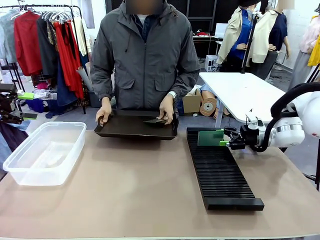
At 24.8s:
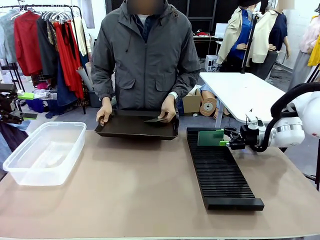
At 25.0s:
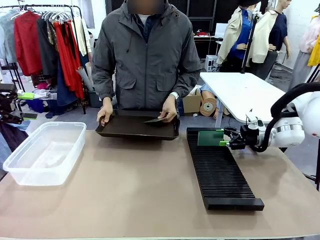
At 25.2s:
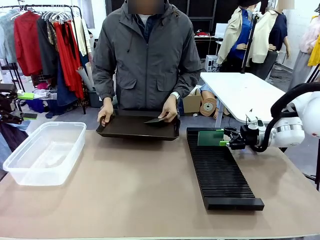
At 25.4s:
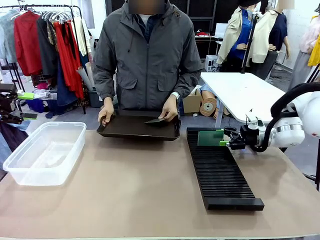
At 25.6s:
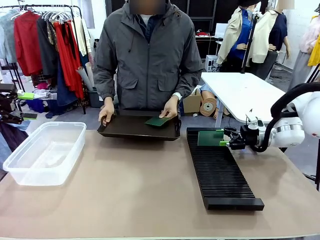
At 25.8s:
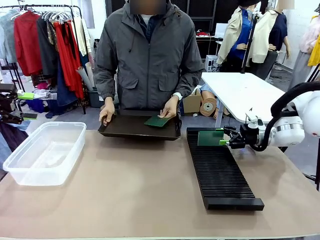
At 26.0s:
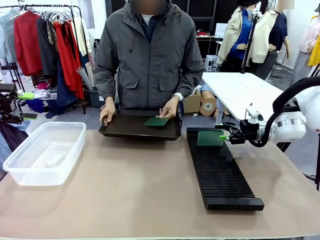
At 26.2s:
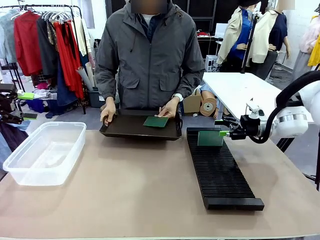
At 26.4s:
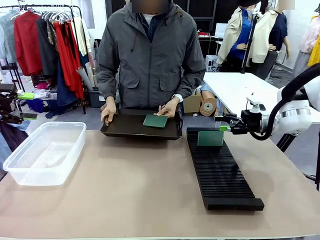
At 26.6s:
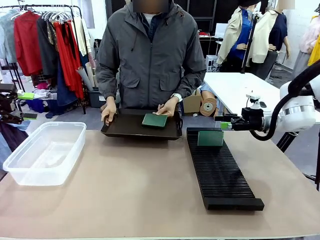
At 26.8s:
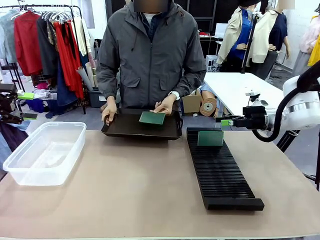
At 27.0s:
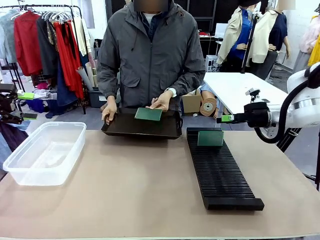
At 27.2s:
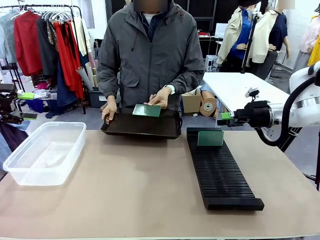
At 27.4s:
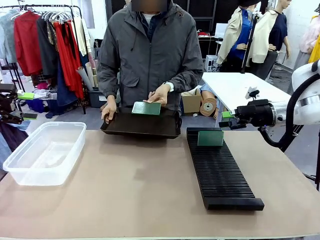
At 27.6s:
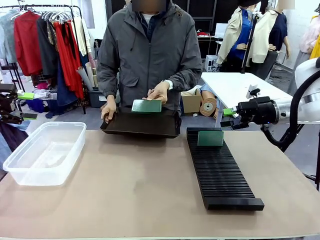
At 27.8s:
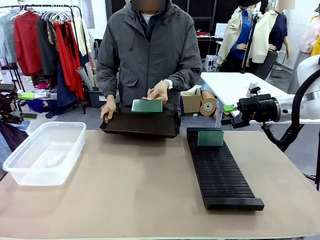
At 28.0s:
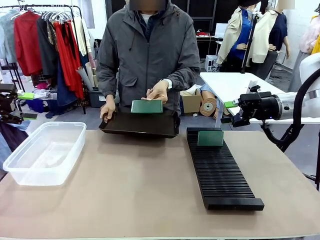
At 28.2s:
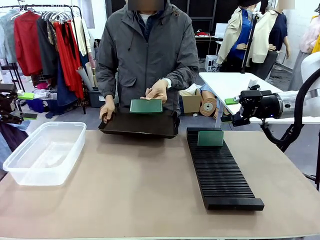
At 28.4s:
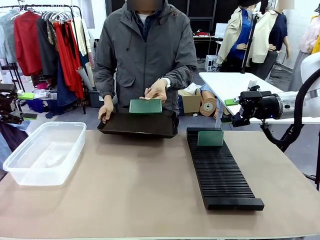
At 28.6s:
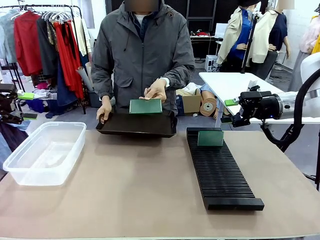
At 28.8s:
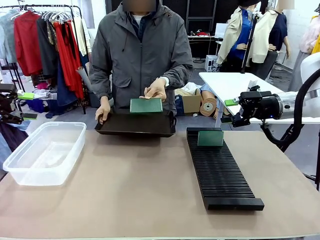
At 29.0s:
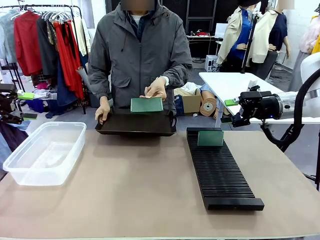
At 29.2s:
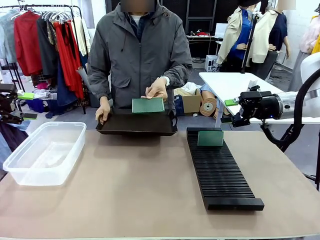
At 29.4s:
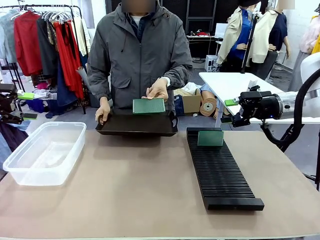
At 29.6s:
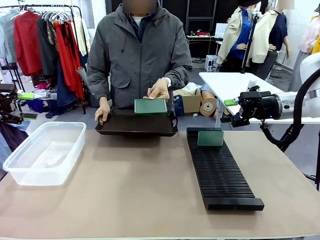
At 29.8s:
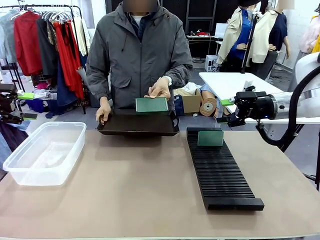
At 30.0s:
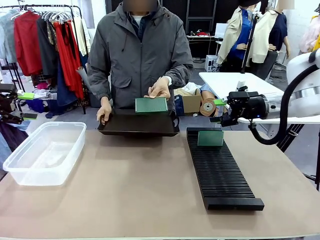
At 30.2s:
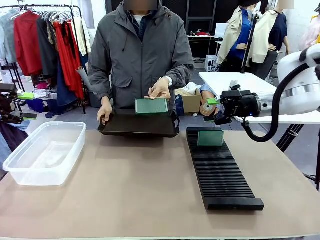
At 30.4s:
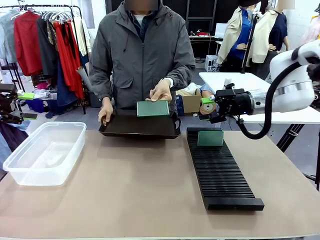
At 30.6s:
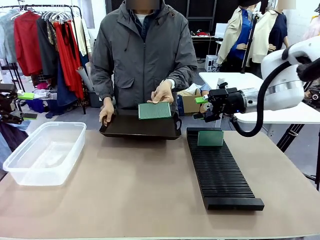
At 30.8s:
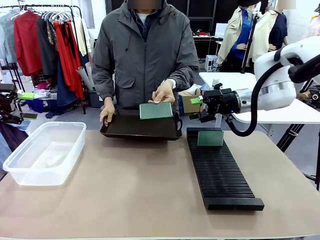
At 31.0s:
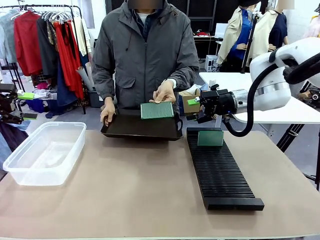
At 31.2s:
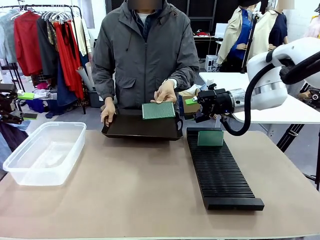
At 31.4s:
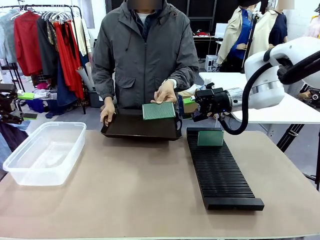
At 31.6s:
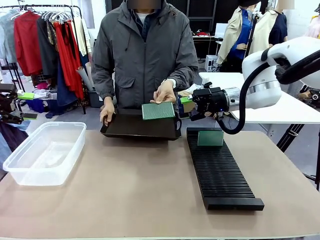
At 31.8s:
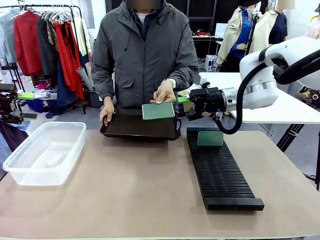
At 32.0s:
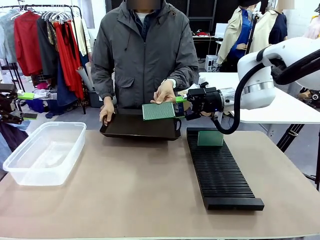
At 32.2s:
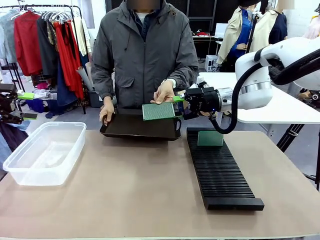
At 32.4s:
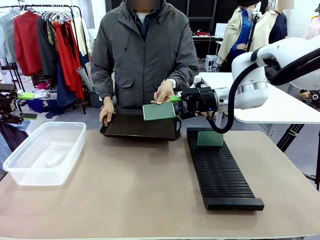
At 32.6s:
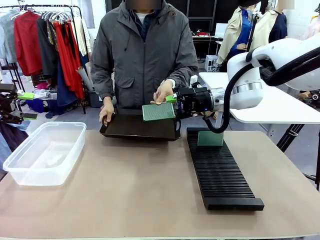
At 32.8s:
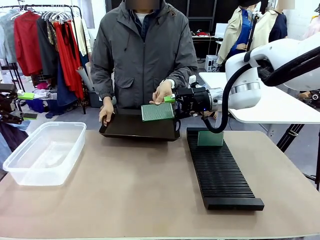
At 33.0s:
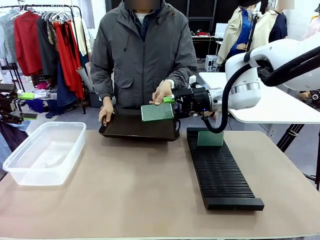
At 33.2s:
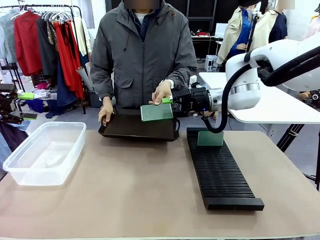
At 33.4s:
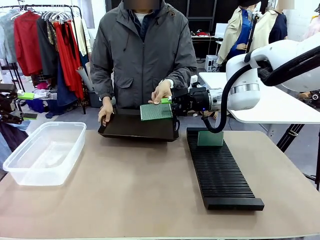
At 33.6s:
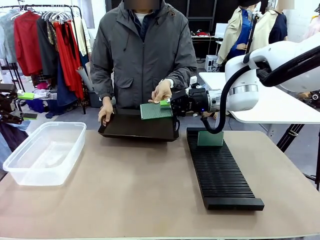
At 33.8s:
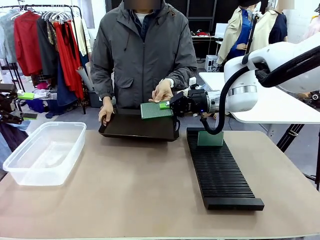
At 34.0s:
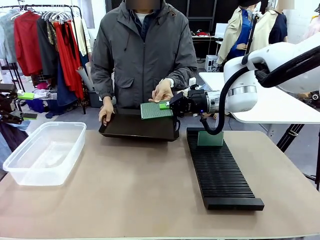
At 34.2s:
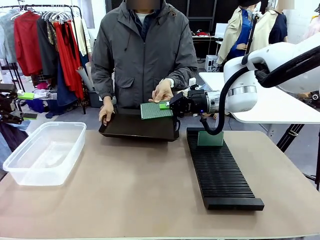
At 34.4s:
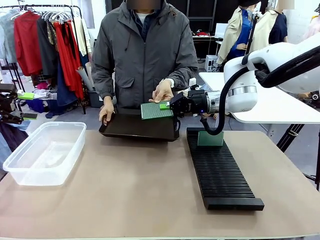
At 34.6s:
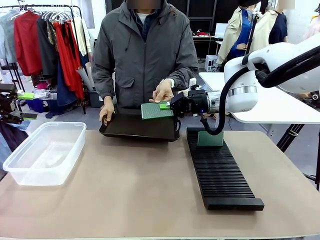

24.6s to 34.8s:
Task: Sort PCBs into racks and boxes based on the side picked up.
Robot: Pick up the Blank PCB handed by the Human.

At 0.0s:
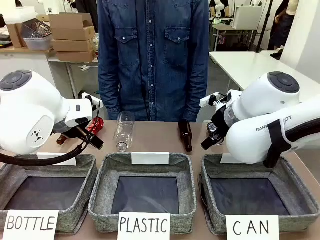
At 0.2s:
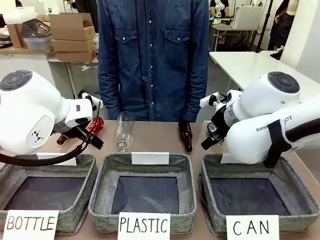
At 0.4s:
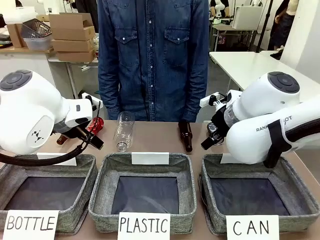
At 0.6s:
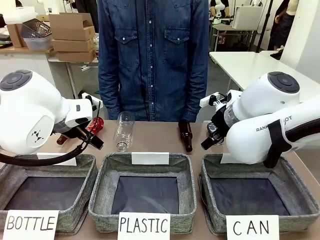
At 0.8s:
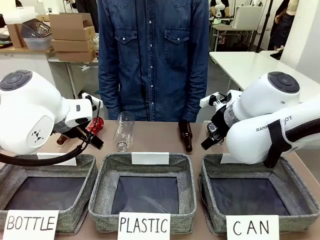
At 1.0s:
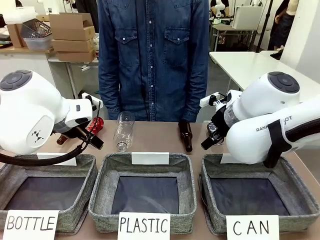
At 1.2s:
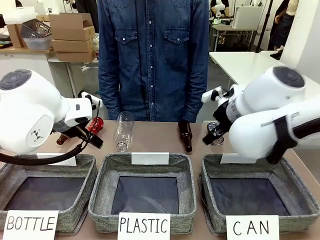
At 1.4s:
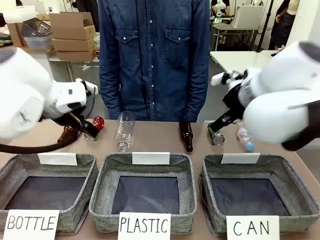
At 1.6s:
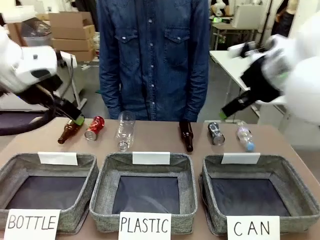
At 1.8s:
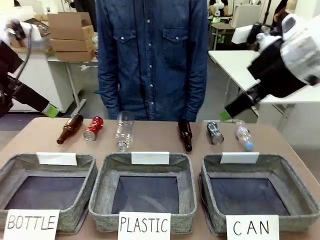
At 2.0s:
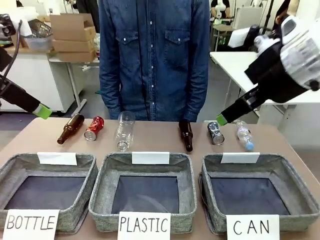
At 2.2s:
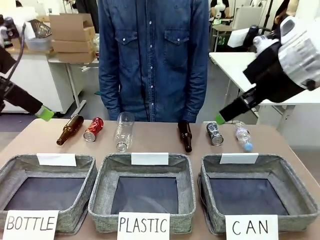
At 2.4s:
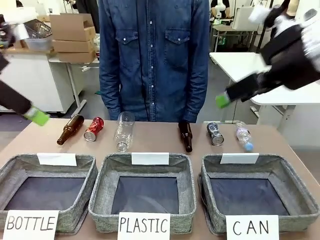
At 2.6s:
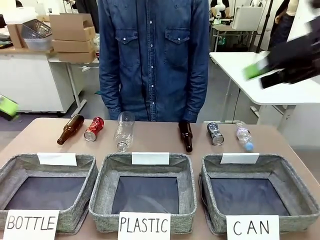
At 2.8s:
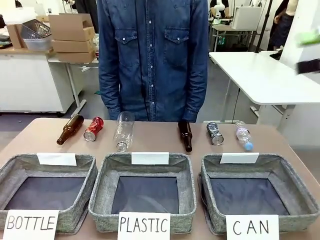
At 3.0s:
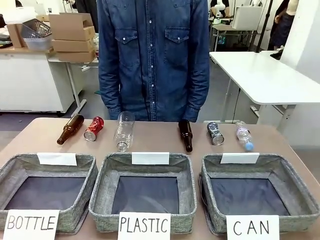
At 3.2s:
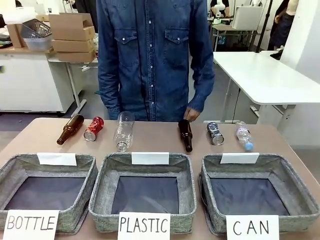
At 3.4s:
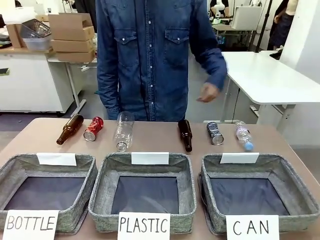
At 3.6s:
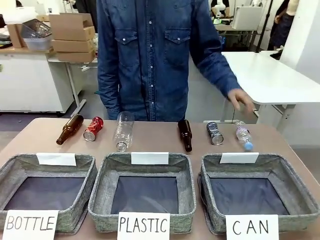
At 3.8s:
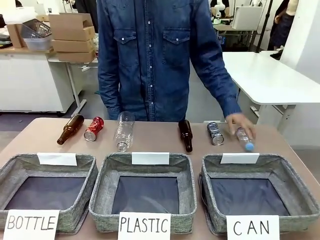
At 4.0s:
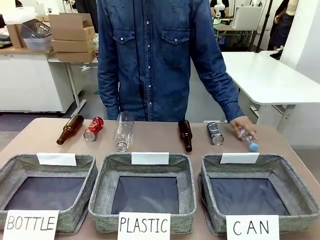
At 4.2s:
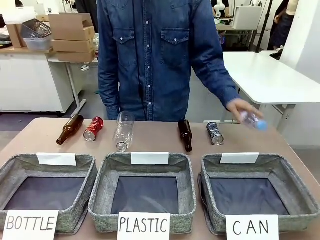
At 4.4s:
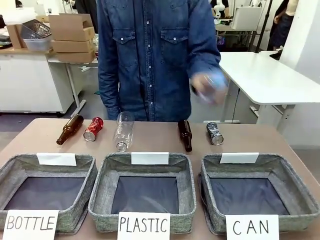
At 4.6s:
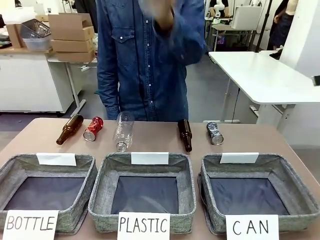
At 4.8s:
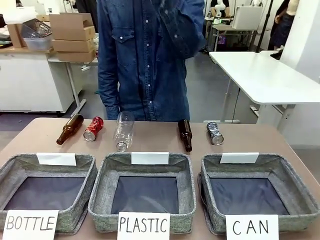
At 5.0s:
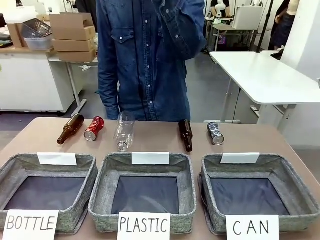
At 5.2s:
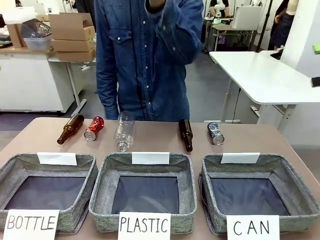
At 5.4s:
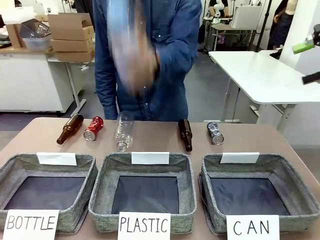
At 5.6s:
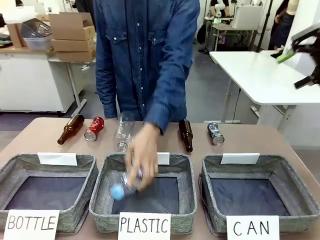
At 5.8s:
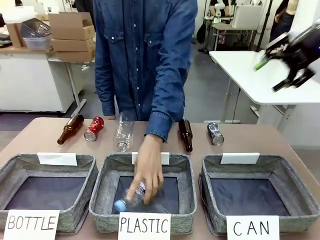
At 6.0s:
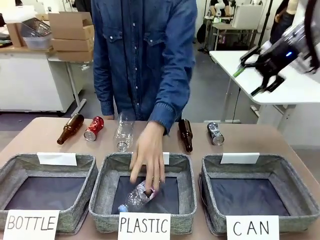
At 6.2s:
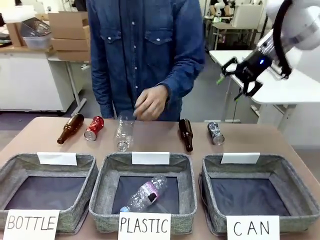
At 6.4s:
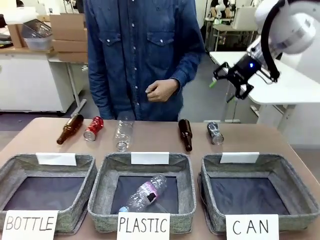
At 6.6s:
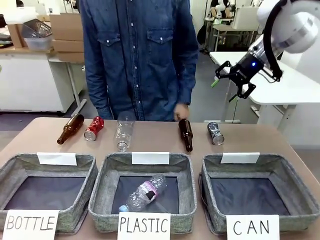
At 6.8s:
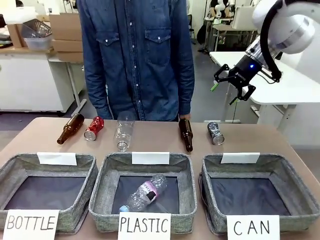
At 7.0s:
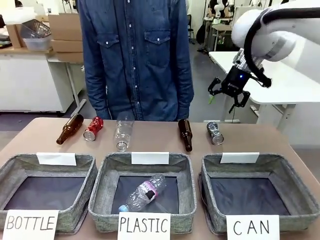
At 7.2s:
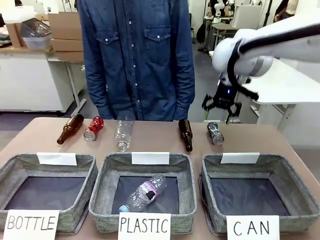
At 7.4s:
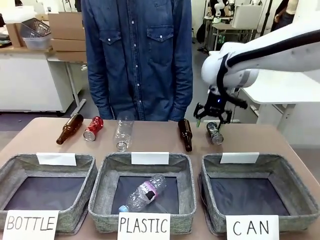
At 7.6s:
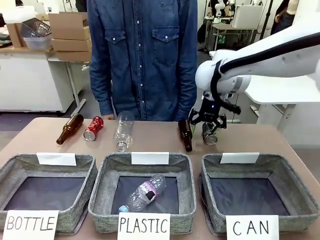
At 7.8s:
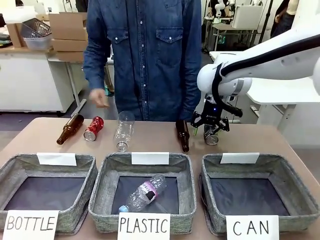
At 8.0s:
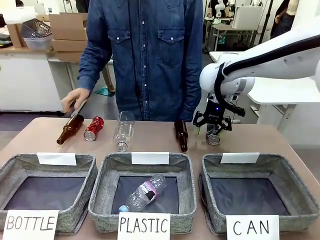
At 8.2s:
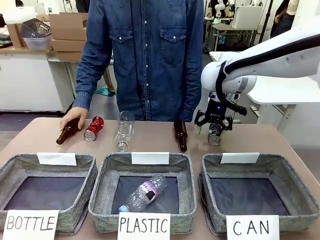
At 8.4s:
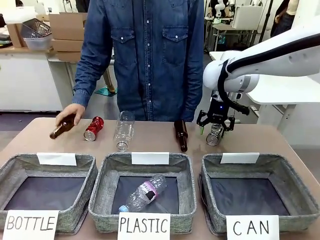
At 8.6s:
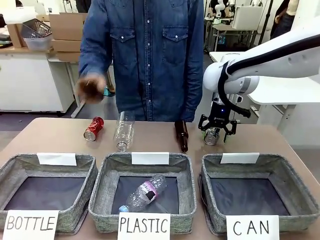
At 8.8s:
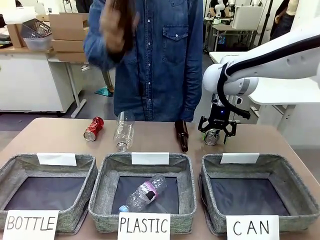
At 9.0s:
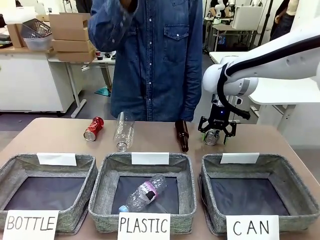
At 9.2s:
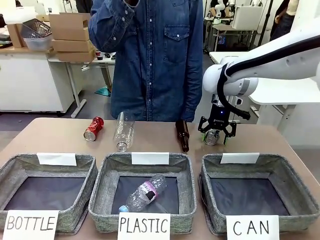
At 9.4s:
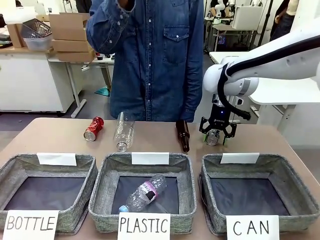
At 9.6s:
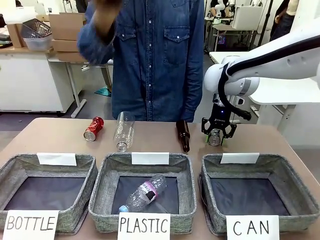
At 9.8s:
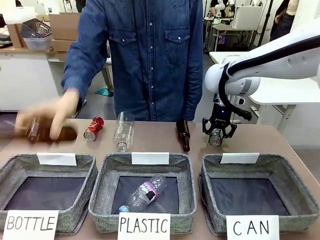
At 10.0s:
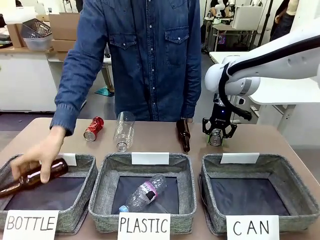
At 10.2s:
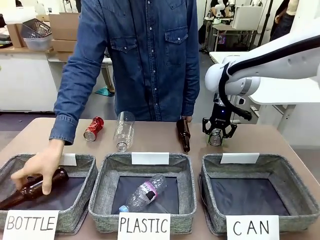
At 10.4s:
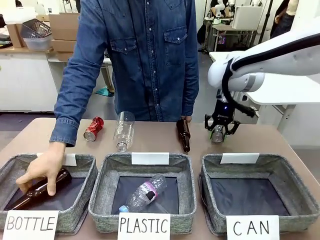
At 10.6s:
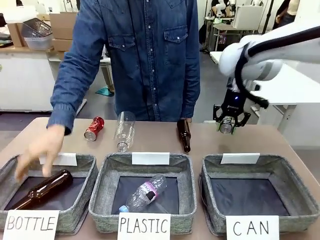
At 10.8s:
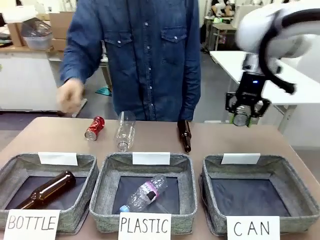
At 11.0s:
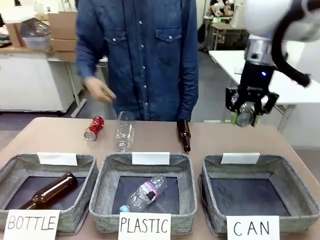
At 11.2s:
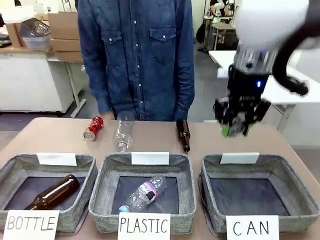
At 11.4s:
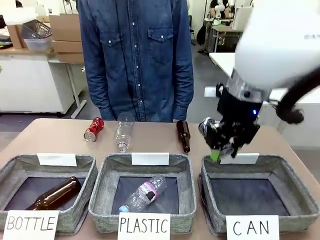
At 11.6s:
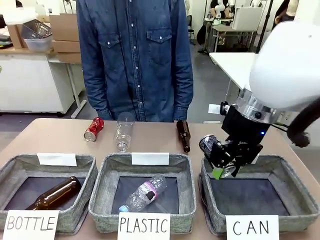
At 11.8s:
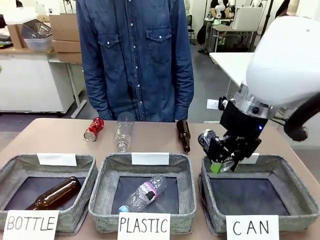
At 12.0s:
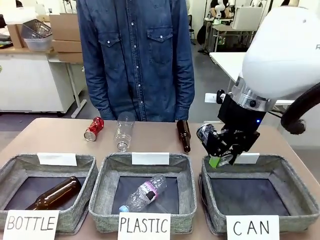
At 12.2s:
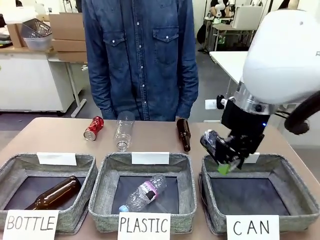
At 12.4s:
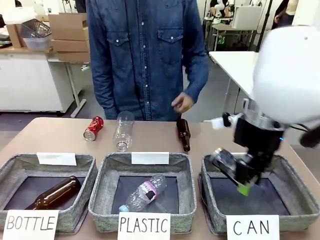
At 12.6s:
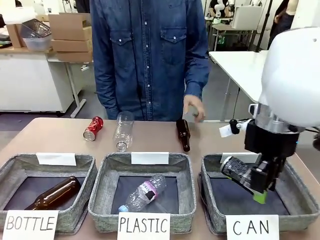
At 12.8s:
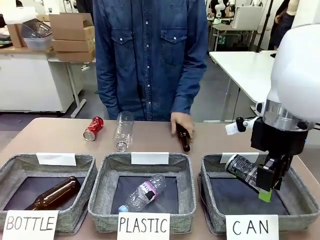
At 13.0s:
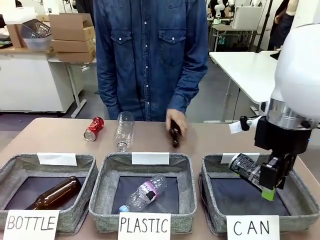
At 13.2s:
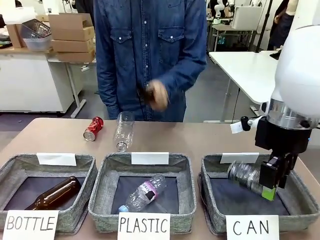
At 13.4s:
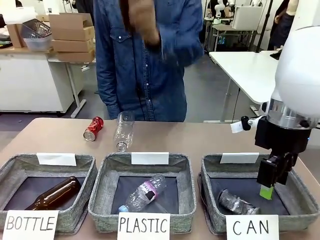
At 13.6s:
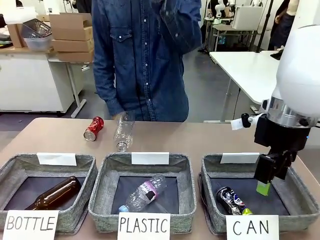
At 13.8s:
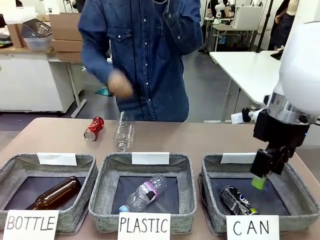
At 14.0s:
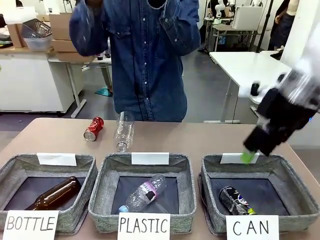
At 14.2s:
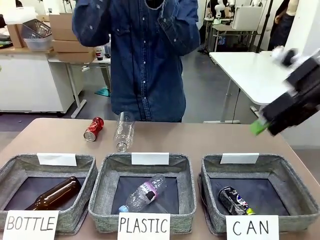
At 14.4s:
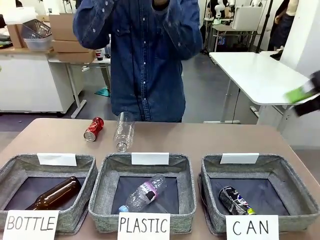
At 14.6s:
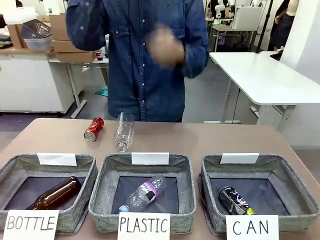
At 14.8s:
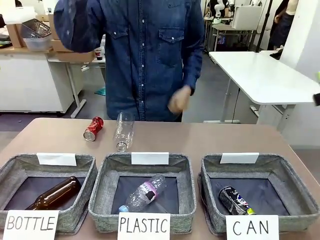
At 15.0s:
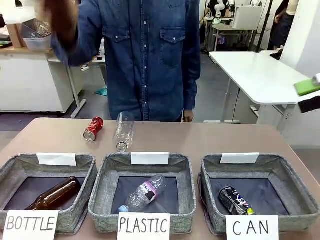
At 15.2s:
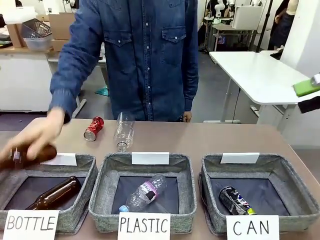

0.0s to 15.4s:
Task: Sort the can waste into the basket.
Robot: Pick up the can waste from the table and place it in the right Fabric basket.
